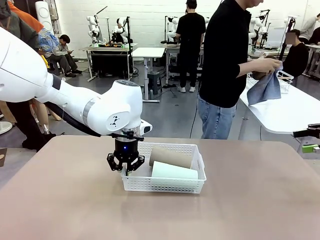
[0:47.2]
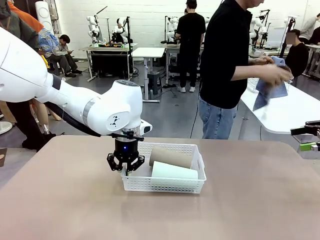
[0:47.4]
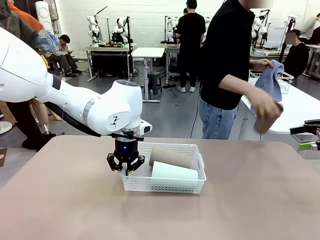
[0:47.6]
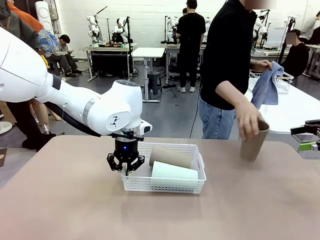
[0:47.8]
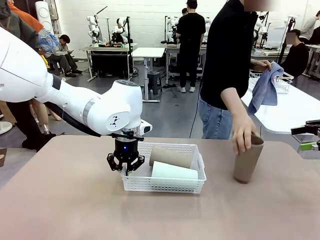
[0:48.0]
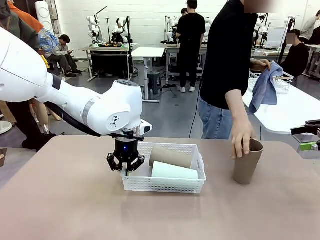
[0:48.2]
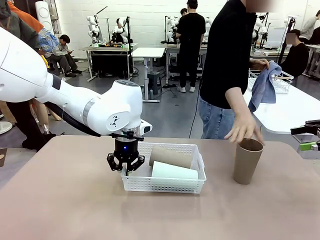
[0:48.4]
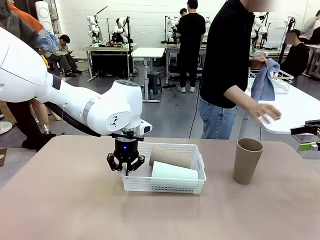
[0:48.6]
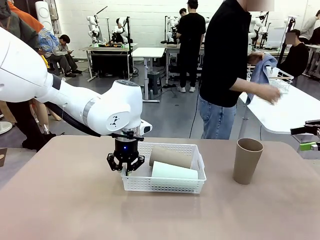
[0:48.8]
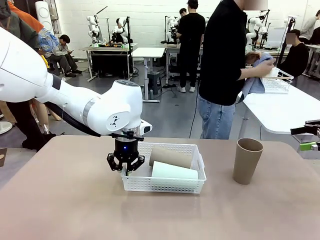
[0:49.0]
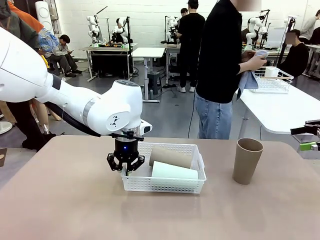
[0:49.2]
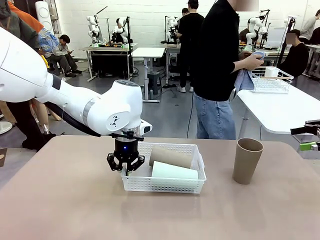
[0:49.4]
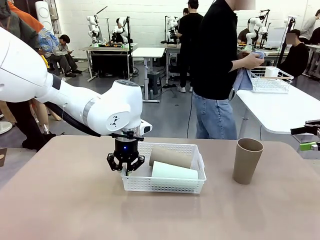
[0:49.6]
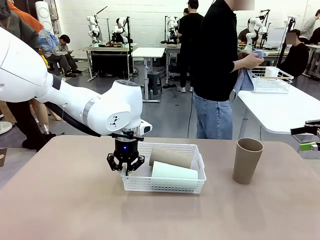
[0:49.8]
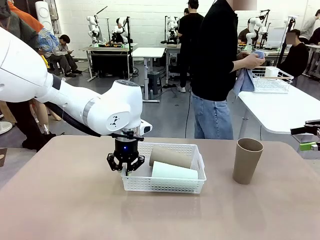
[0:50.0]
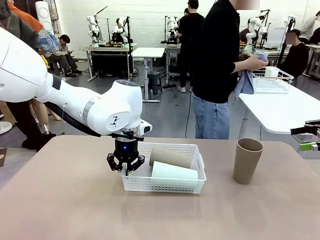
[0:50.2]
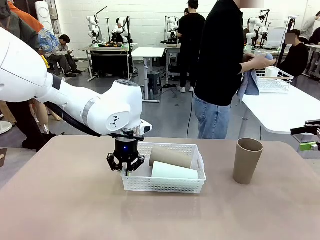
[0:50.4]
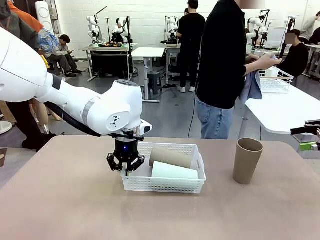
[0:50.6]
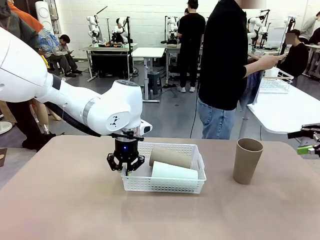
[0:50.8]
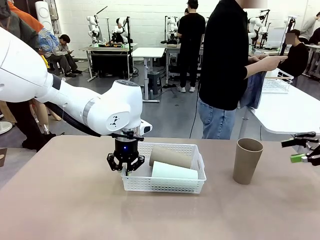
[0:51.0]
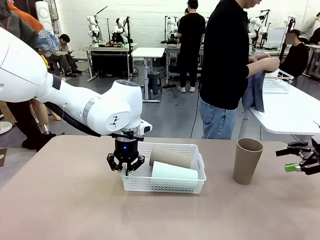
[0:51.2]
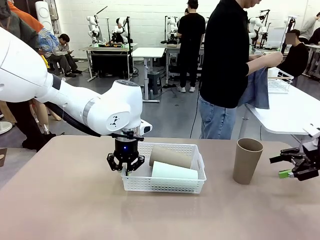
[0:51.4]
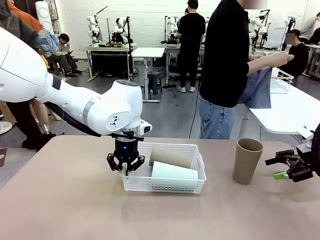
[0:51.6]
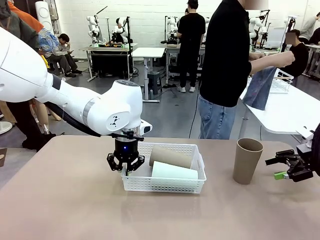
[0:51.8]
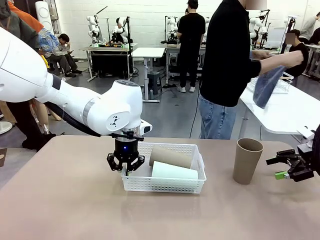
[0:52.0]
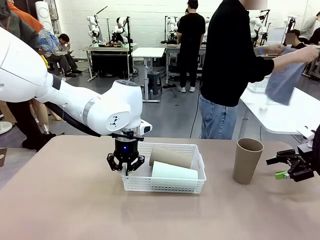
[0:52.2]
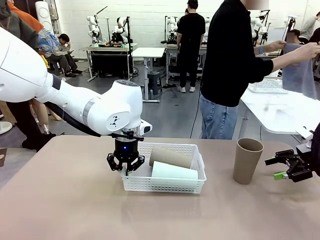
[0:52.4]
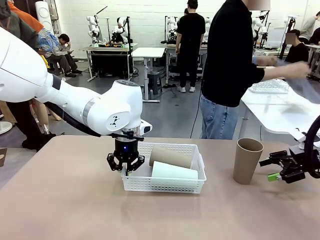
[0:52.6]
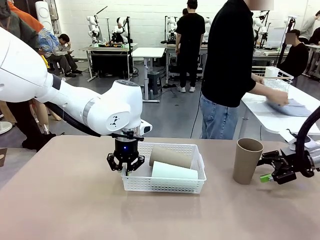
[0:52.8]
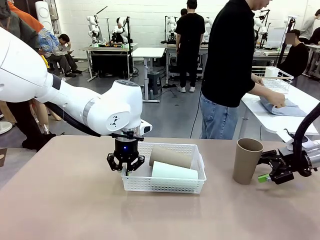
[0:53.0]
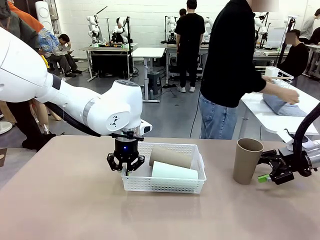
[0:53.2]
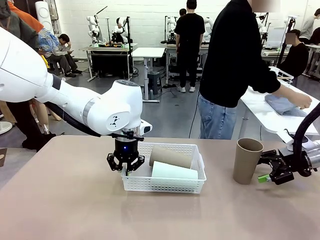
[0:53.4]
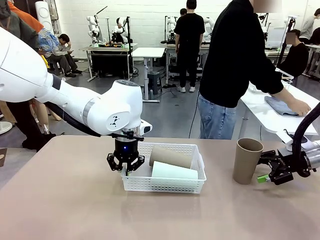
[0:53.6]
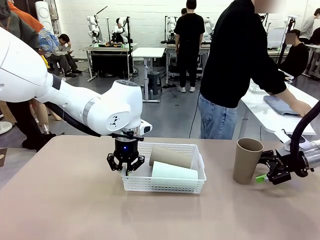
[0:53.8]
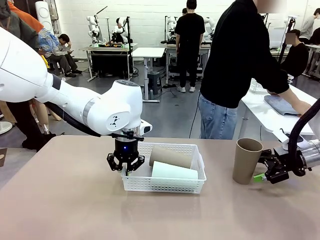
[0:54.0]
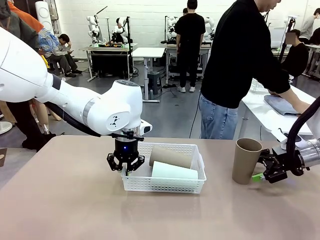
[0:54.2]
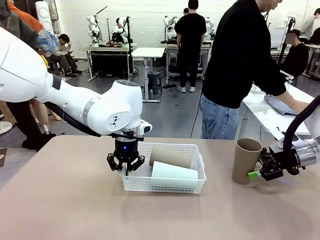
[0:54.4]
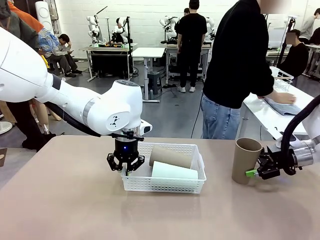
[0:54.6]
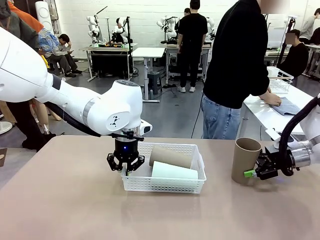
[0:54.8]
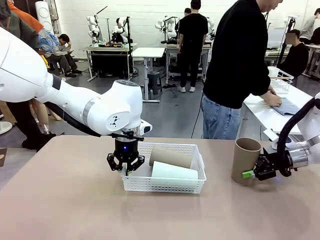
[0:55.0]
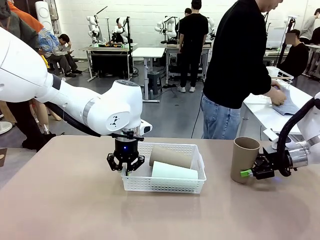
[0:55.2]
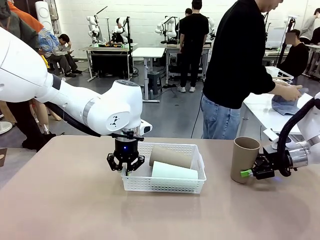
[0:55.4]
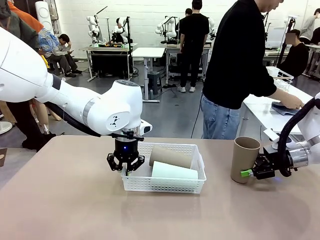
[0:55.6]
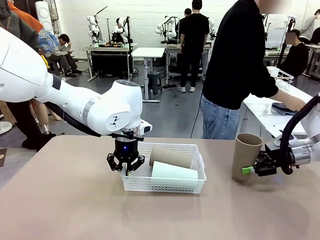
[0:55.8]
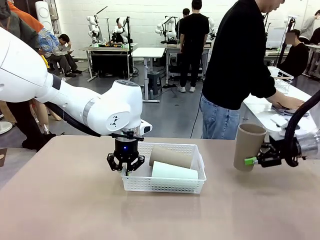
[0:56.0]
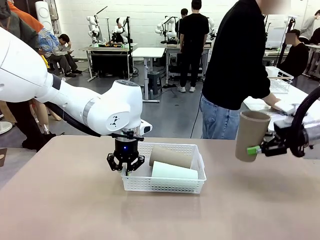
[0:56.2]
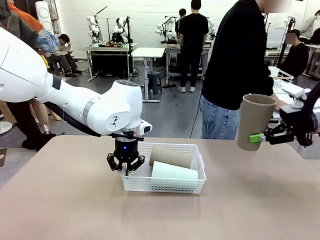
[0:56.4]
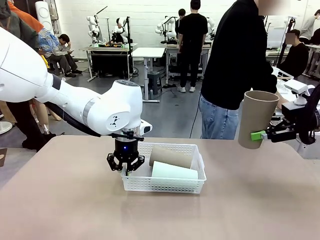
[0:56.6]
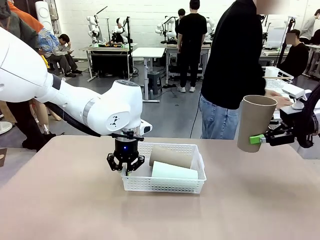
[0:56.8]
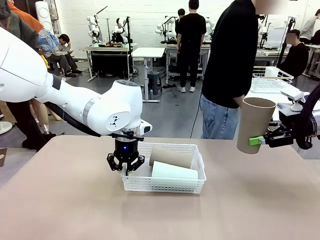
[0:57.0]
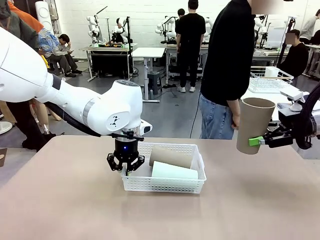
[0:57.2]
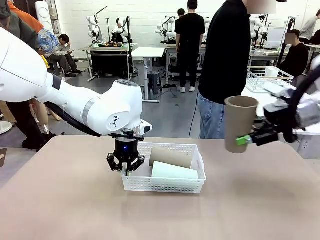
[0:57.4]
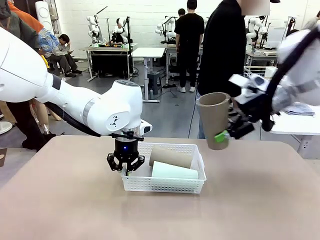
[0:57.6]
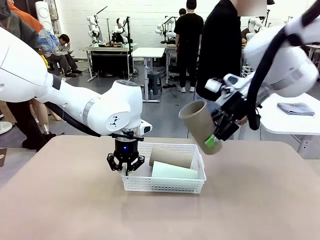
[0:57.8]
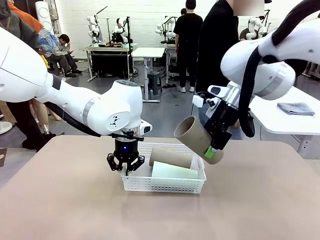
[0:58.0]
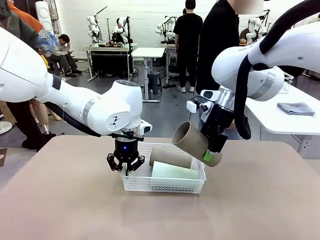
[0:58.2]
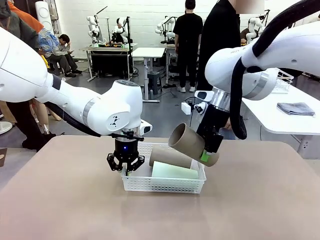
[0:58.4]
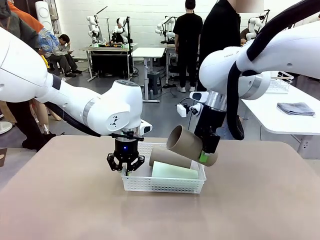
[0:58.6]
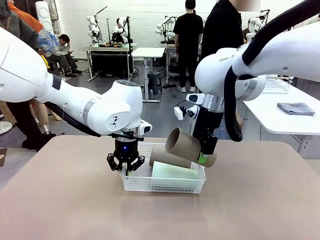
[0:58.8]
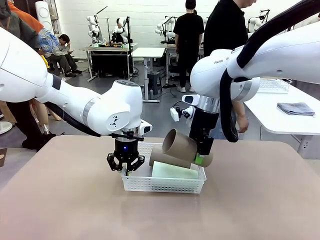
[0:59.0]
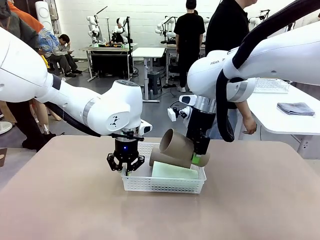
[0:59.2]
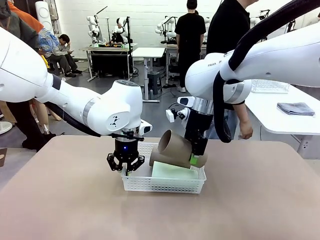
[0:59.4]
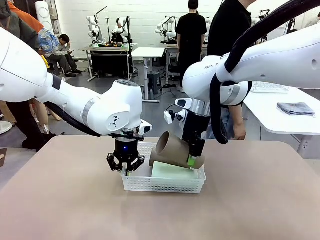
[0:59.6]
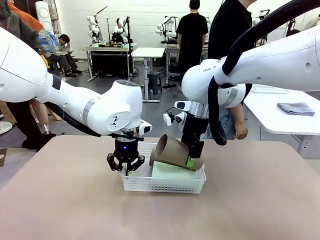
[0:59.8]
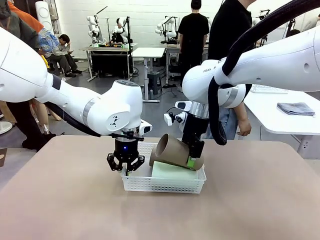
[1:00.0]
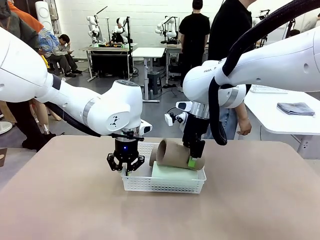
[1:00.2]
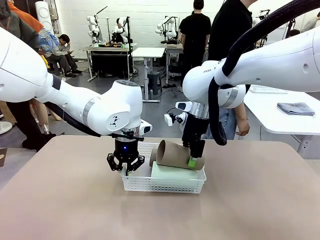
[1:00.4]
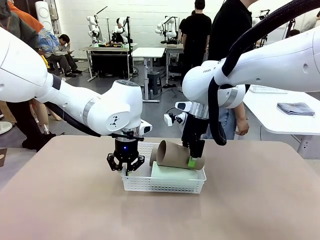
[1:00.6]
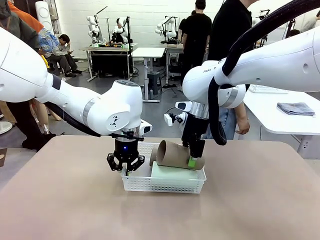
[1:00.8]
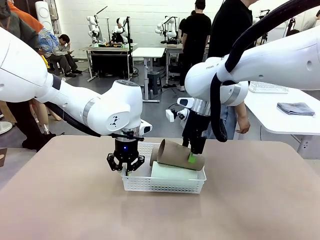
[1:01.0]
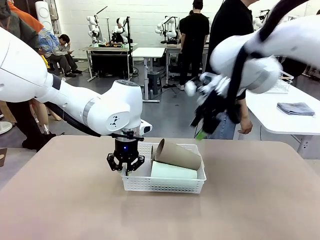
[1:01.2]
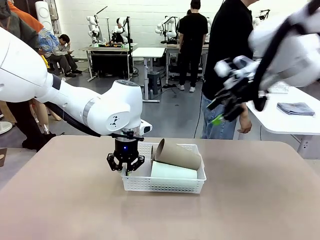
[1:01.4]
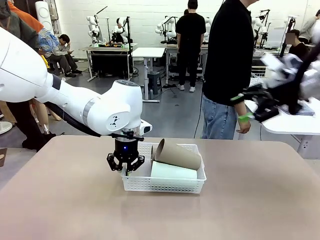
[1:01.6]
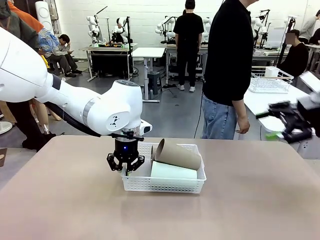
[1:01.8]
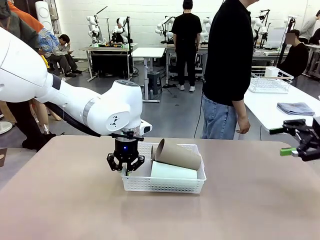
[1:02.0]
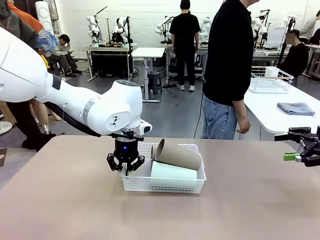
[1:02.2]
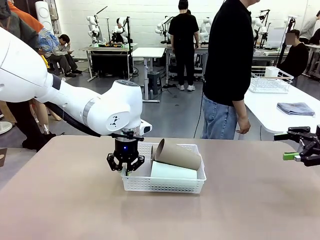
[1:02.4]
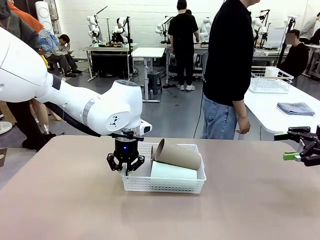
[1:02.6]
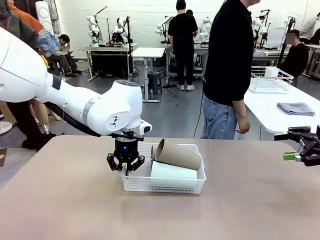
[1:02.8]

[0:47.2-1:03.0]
Task: Clean and organize the cups into the basket.
Robot: Pick up the Reusable plastic cup from the right side of the table and stack it inside the Organizing basket in the center of the table.
Person: Folds the towel in half twice and places it in the right of the table.
